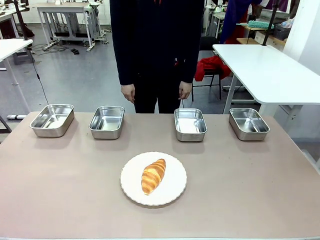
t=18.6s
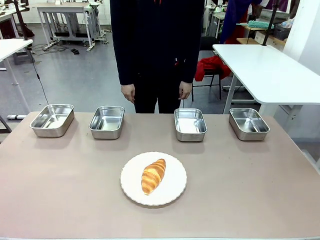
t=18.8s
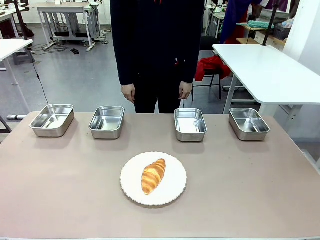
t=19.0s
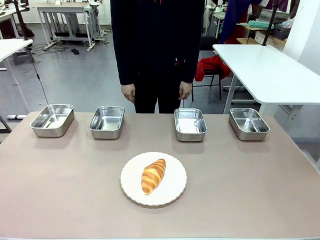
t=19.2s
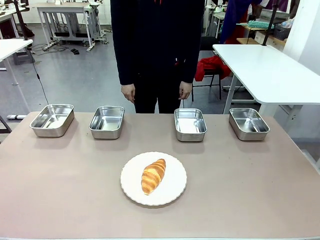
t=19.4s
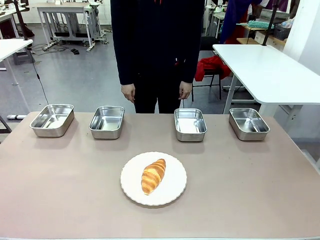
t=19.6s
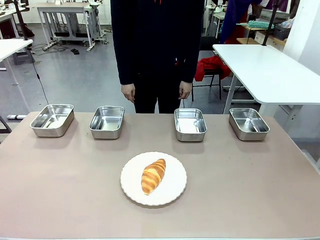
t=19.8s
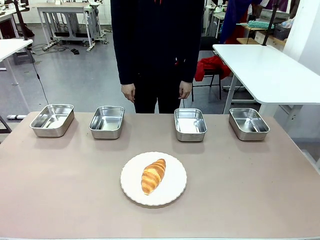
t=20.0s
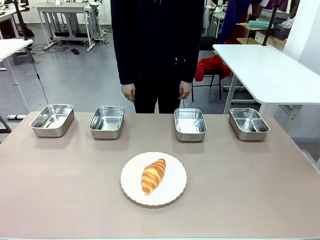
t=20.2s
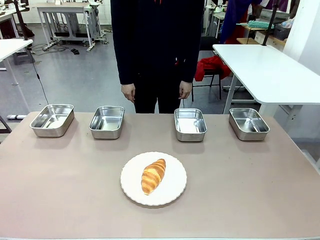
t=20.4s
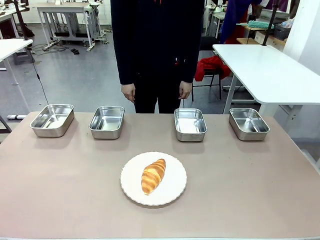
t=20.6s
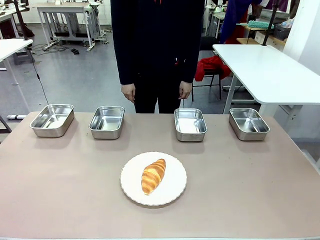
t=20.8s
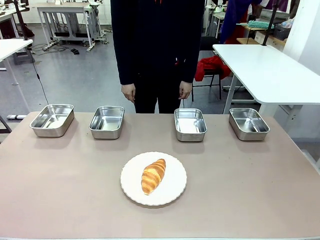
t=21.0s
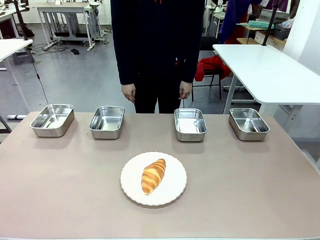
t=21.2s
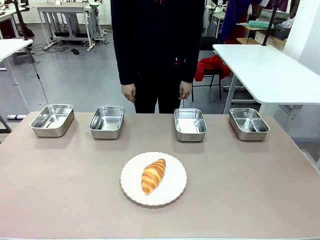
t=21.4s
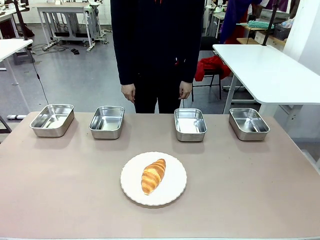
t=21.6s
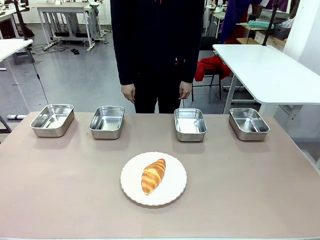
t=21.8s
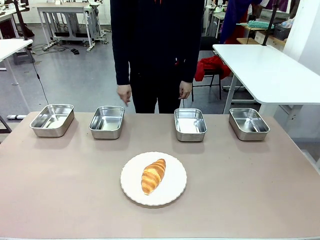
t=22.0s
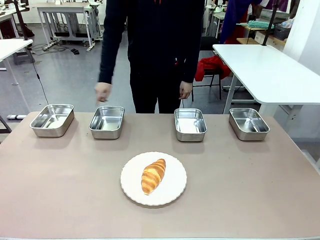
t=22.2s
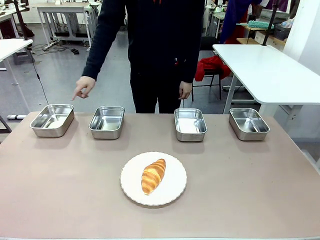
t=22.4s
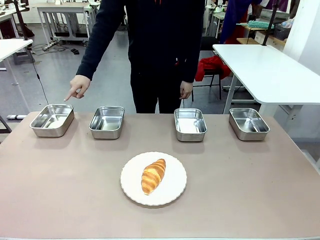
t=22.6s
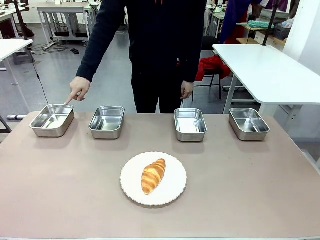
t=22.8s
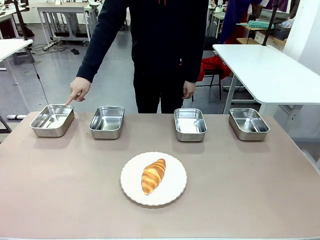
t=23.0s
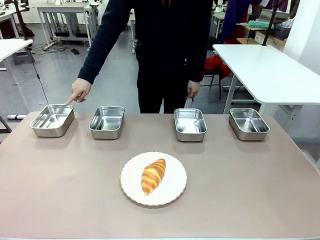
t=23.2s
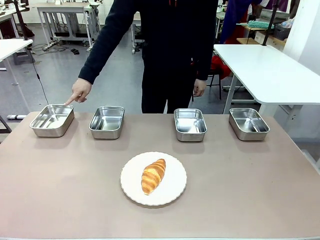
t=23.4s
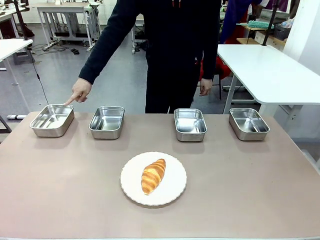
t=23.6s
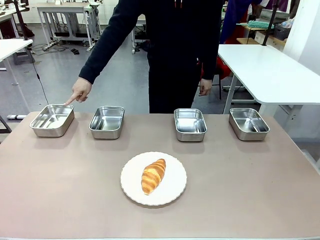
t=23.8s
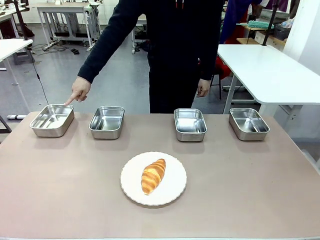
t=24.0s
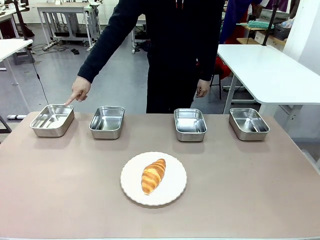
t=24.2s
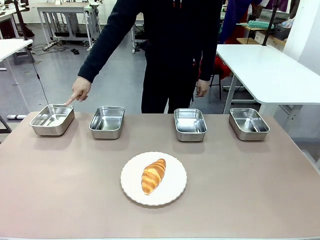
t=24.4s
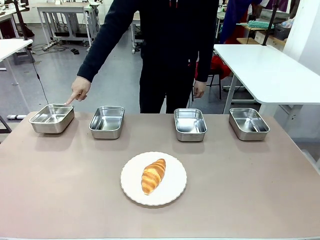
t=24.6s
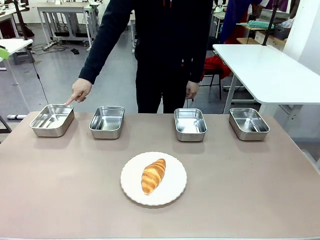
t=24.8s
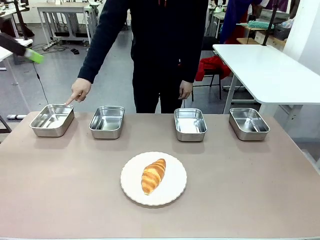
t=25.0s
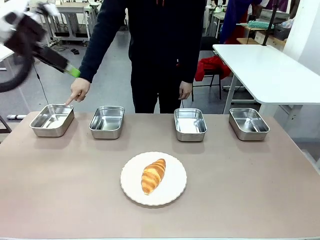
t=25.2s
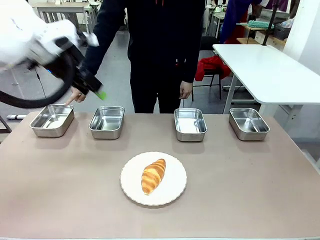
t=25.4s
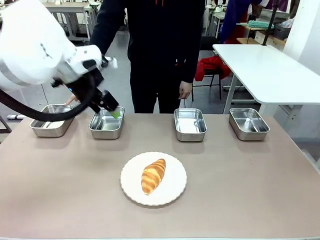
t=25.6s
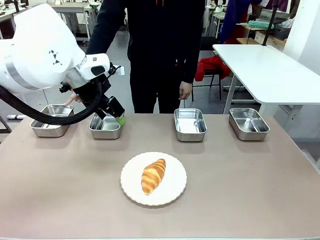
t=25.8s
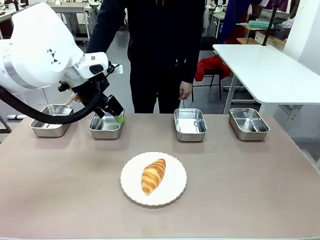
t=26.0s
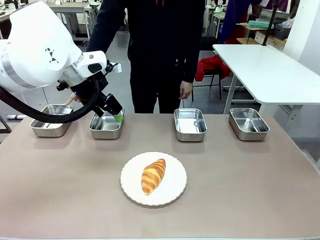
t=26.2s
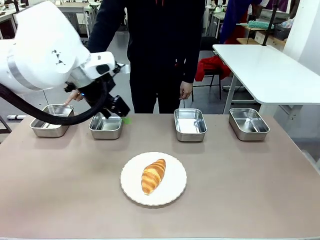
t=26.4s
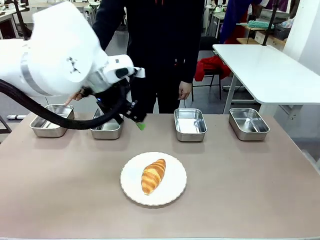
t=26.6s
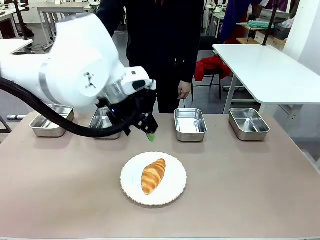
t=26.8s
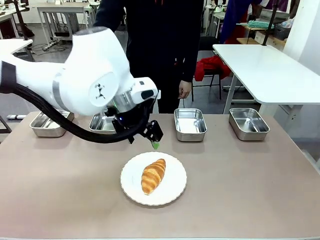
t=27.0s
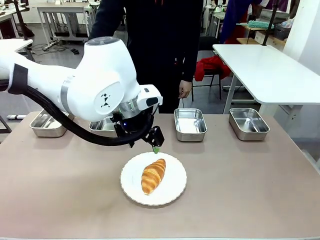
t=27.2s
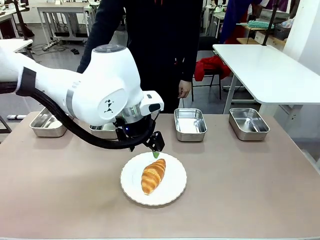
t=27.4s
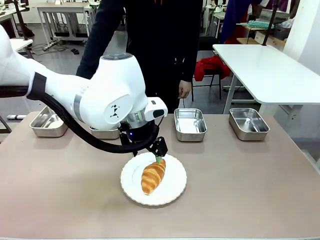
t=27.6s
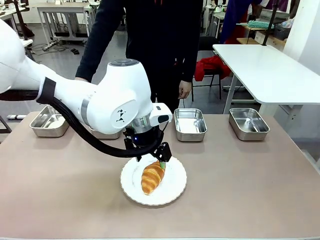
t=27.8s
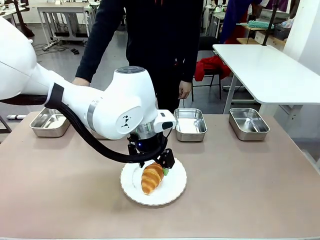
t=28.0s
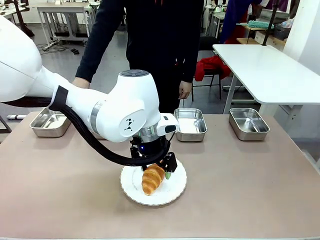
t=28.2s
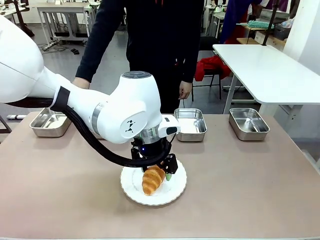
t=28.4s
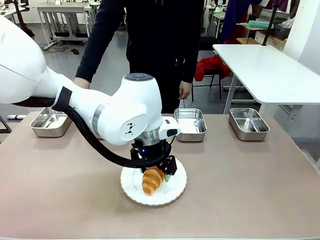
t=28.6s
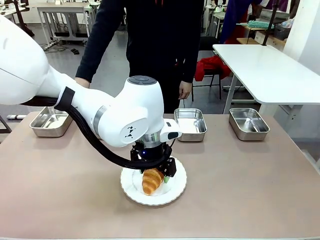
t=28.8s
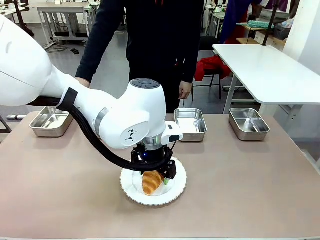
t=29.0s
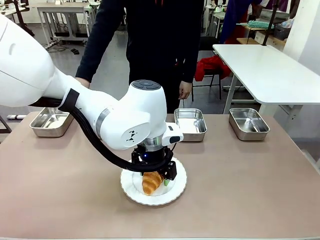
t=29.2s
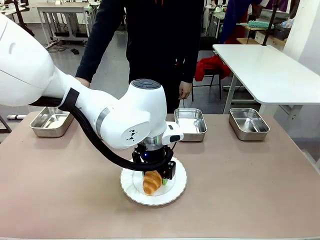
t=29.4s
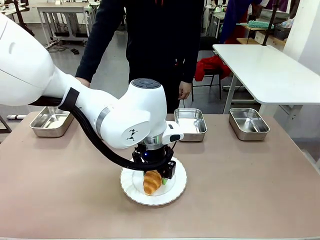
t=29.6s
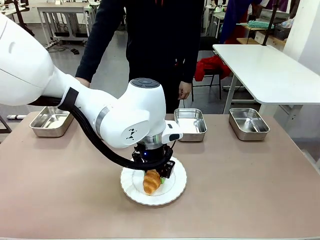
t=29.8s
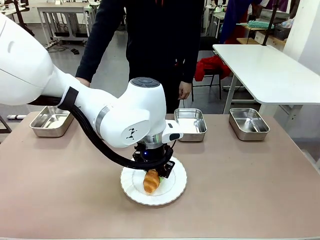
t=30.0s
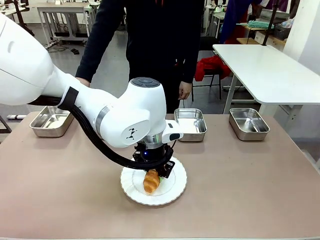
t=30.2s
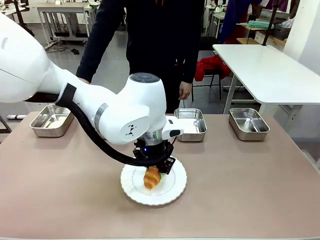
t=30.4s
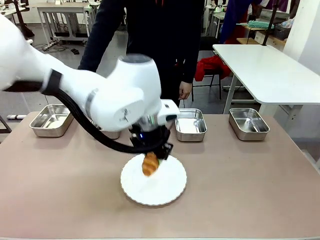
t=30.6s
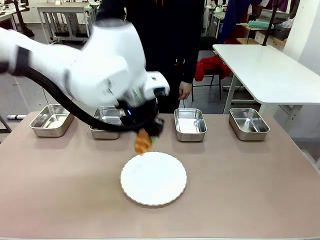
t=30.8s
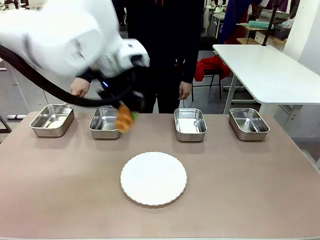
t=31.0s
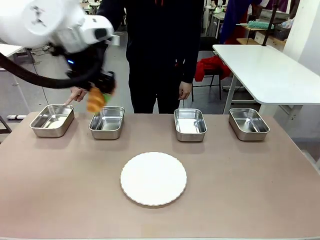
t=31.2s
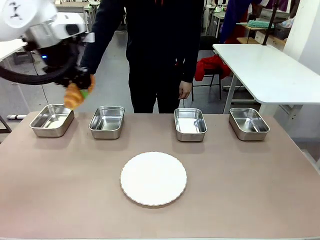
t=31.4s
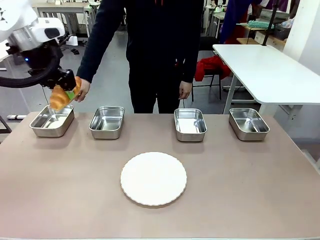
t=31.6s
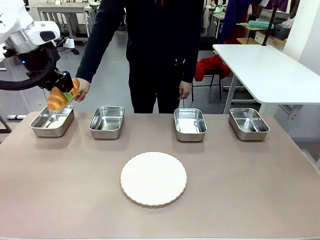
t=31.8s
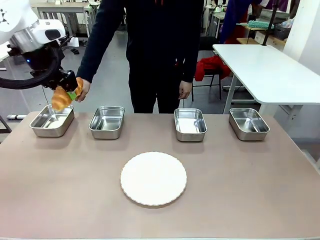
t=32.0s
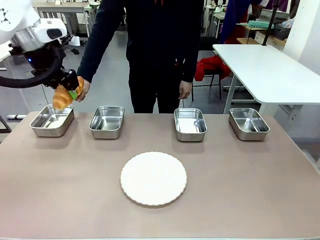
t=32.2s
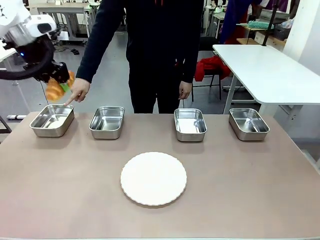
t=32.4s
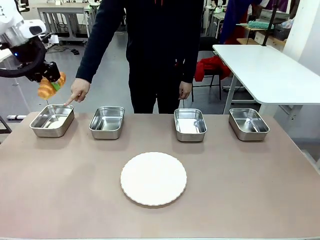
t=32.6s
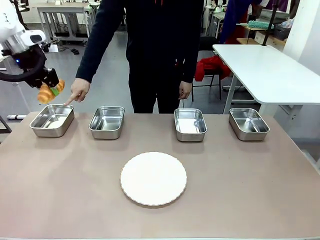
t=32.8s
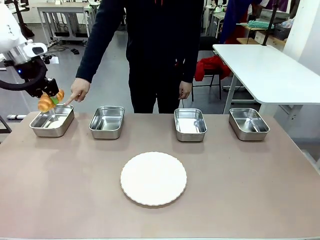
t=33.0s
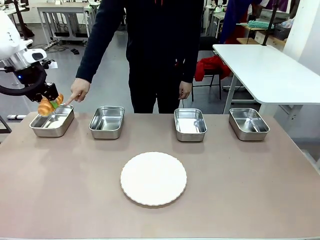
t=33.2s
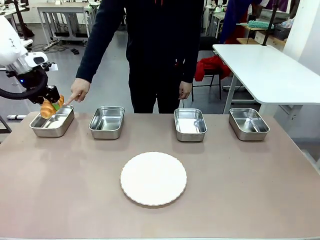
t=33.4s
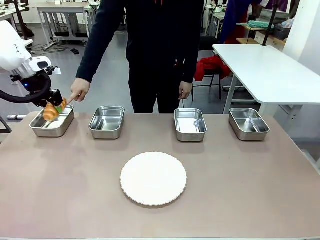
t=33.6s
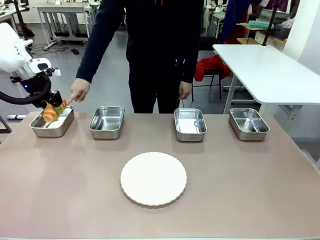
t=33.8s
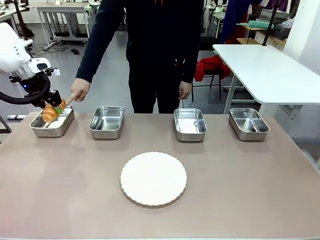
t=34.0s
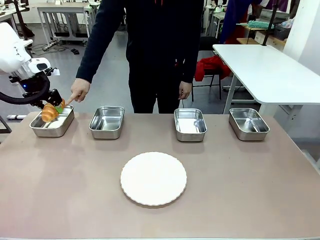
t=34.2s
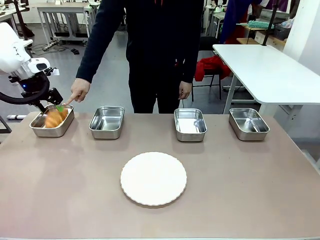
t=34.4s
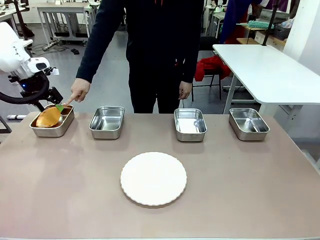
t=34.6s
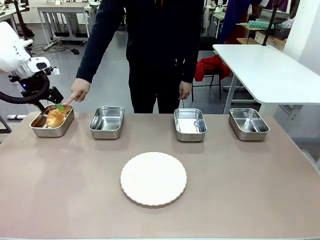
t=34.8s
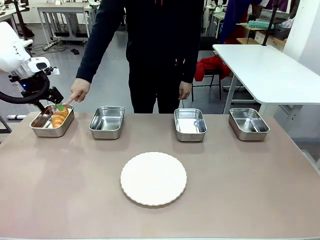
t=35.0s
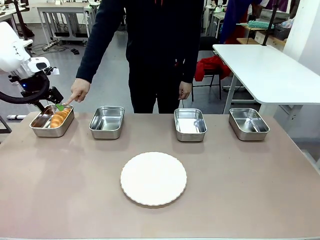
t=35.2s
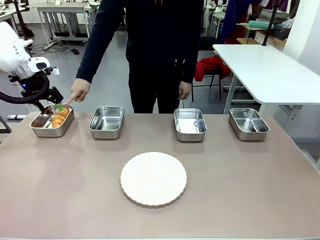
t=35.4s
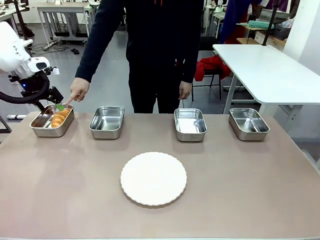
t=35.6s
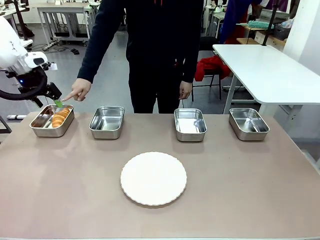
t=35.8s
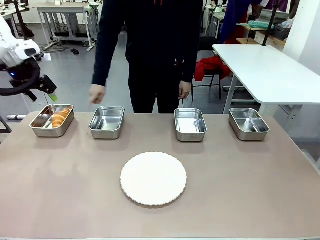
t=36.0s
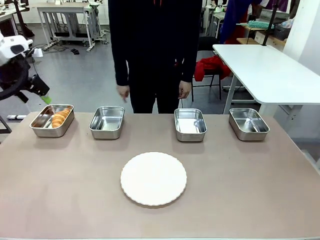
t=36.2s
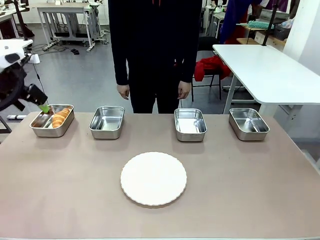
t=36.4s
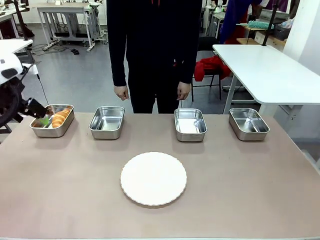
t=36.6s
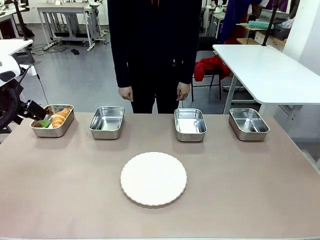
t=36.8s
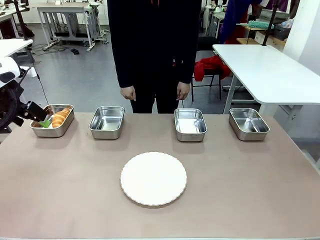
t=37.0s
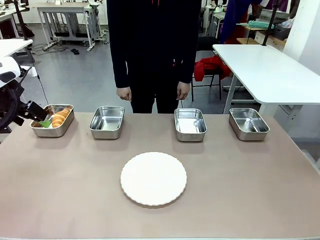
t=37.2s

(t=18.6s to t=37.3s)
Task: Place the bread in the container.
Robot: Place the Butter Roll into the Airtight Container indicated by the human.
Person: A person randomly selects and points to an Airtight Container.
